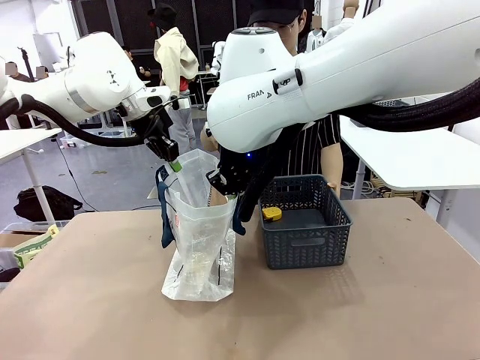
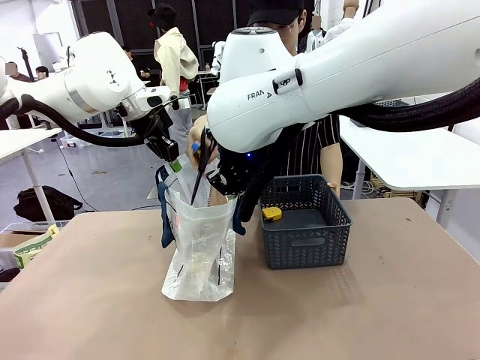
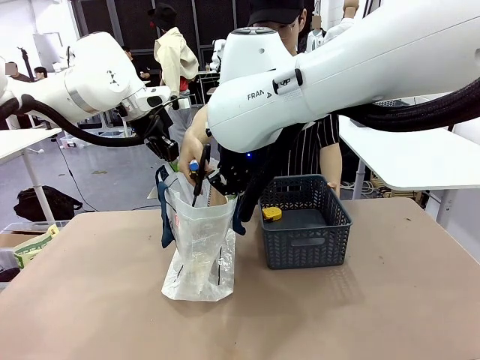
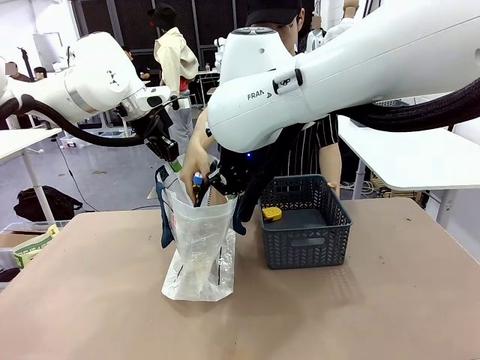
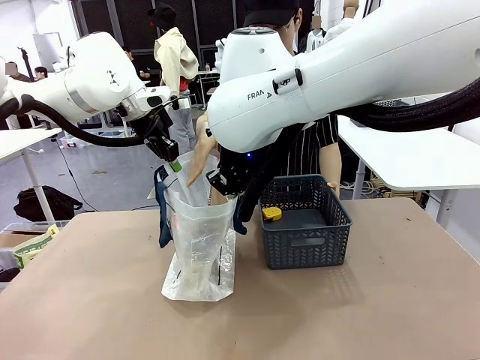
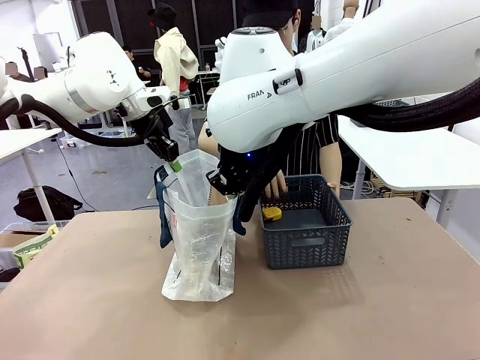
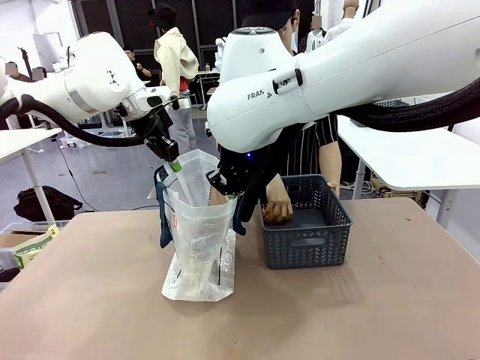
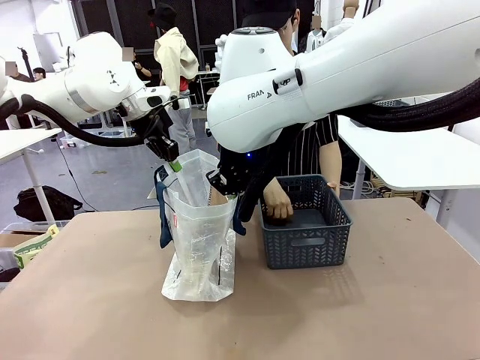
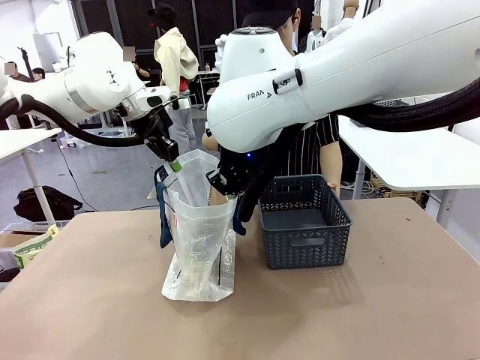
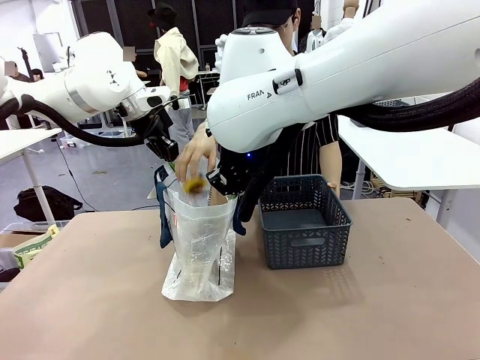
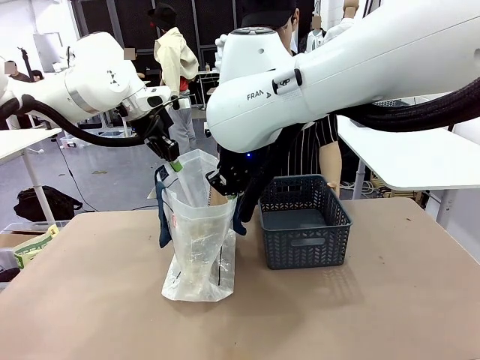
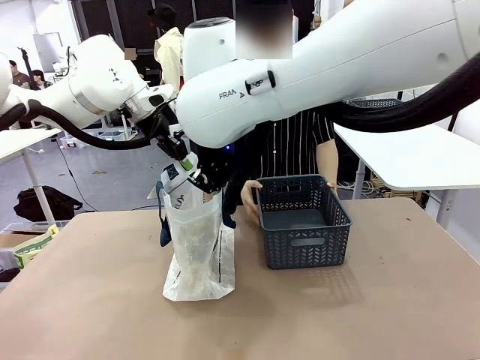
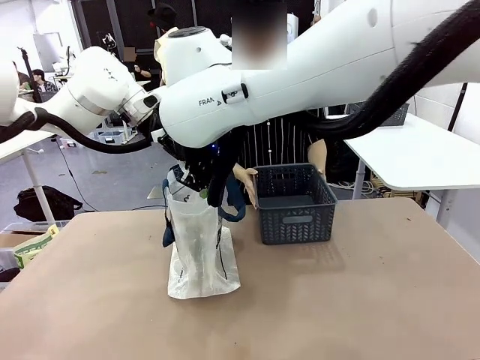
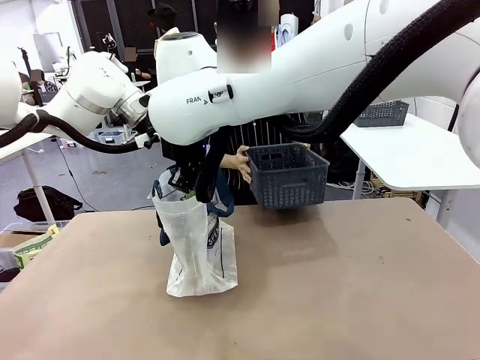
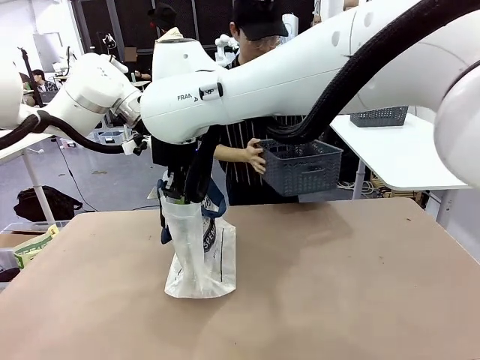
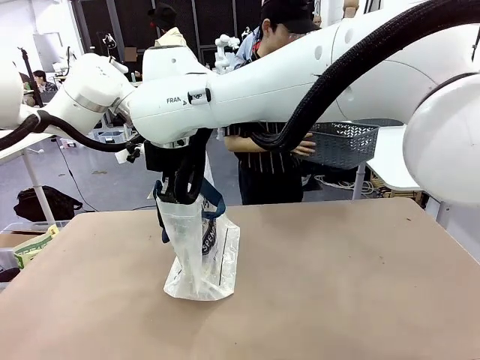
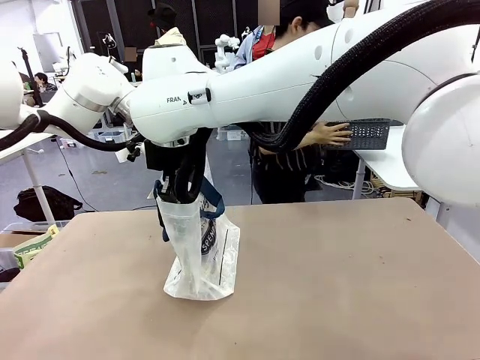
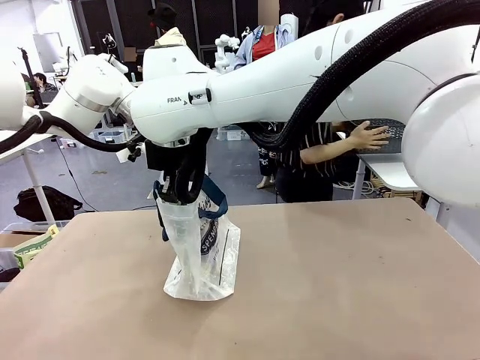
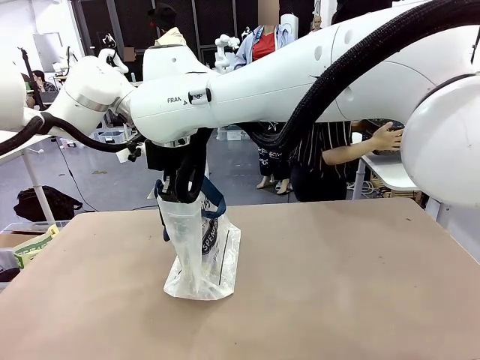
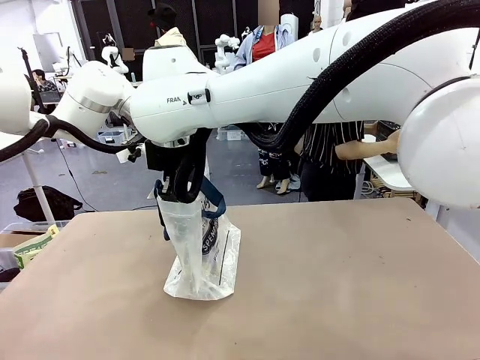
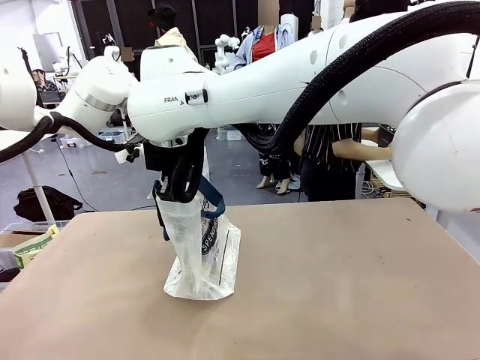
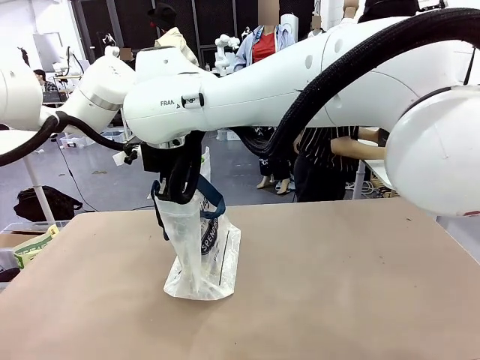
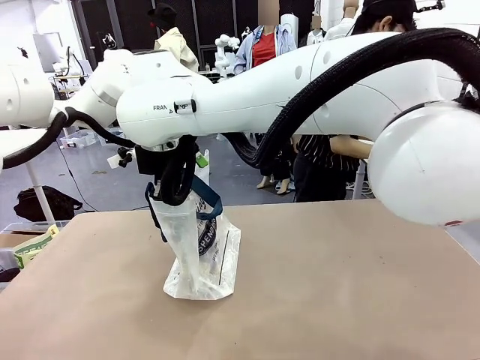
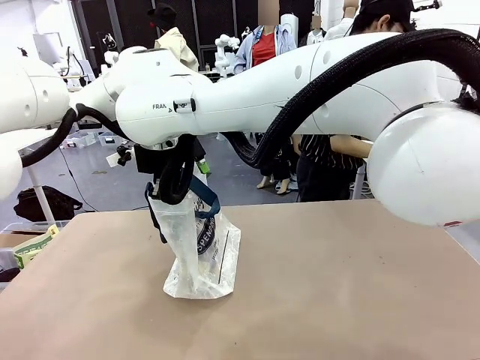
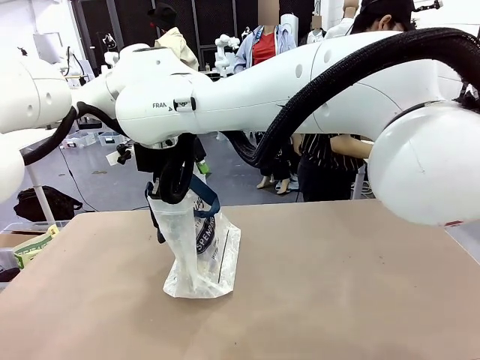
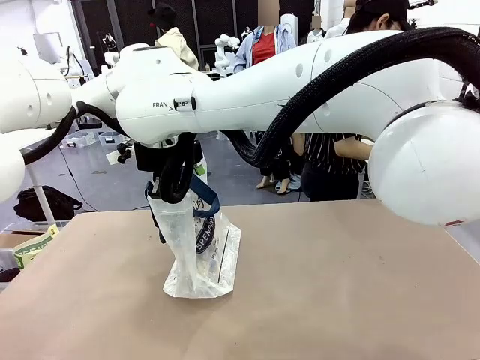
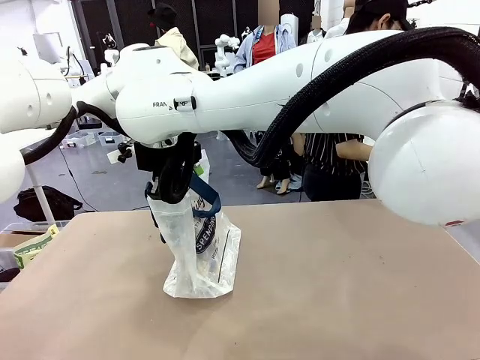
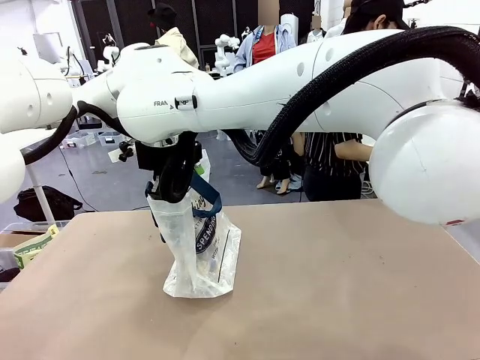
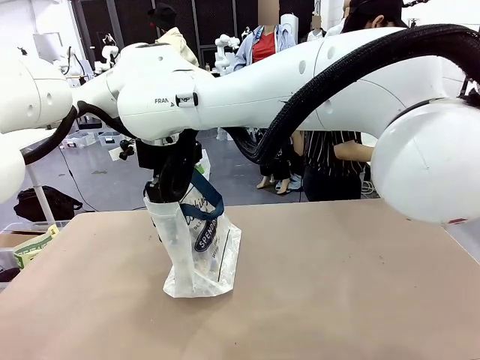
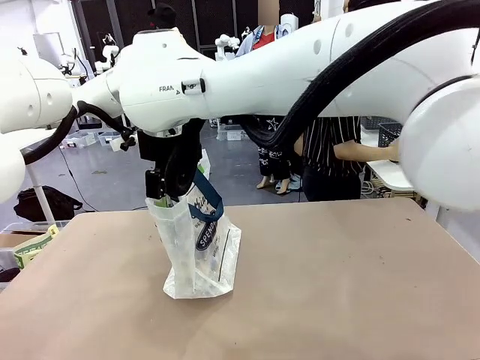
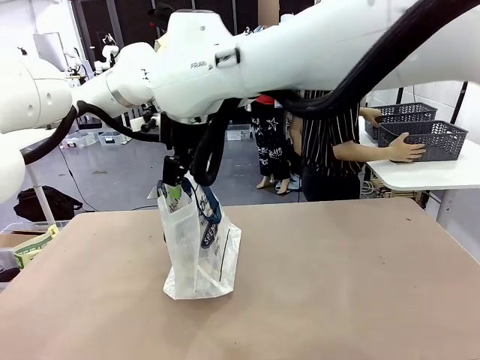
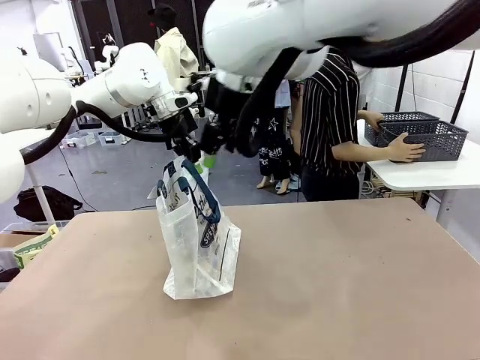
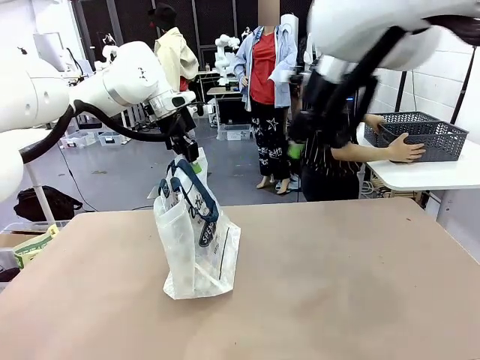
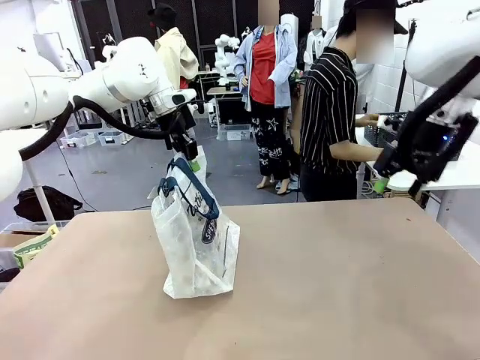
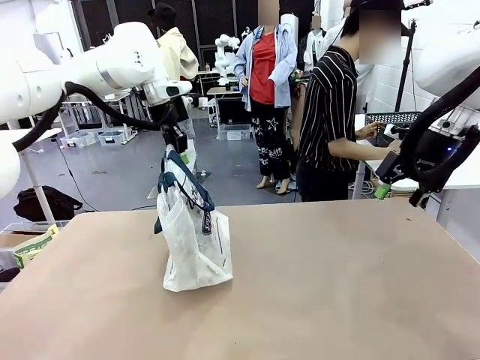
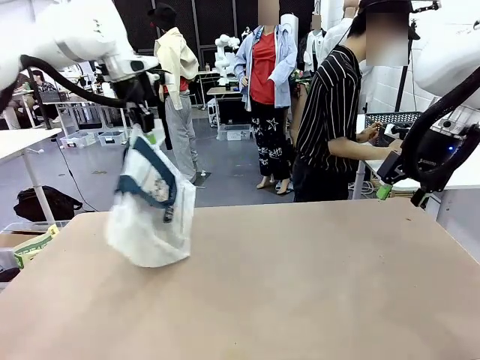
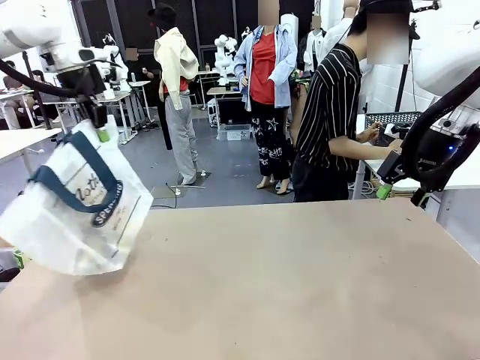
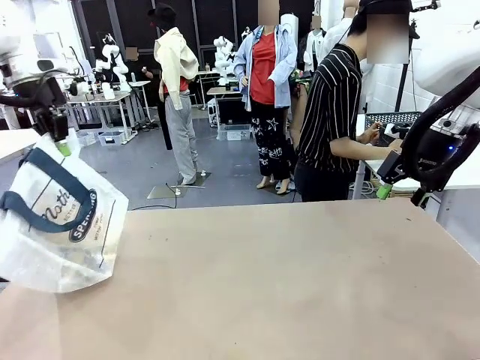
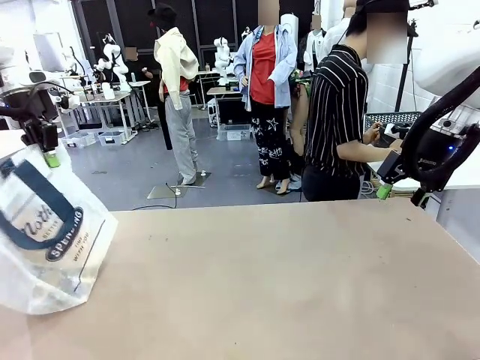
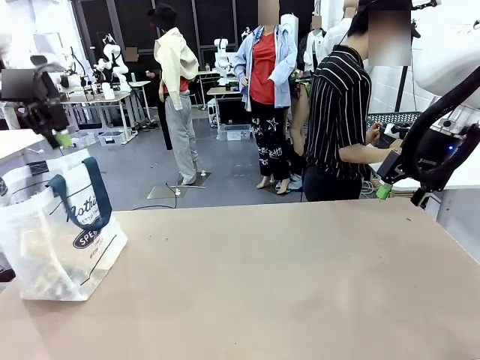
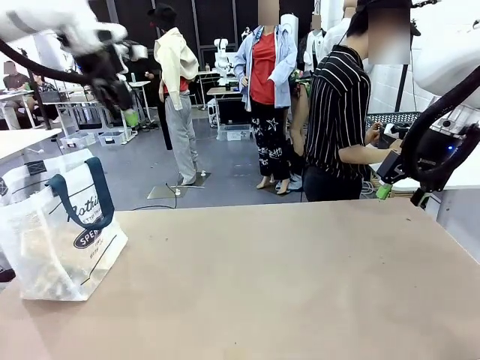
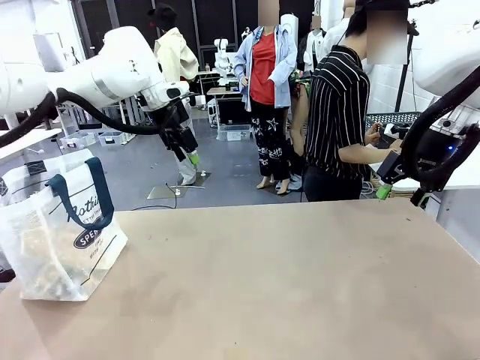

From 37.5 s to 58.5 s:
Task: Transfer purchased items from the store into the shopping bag.
Robot: Move the Reusable shopping bag to the right side of the table.
Person: Move the basket on the left to the middle of the person's table.
